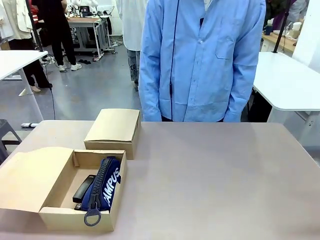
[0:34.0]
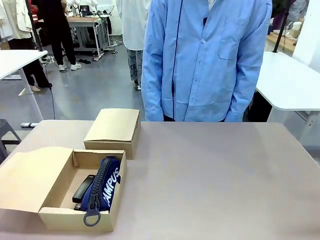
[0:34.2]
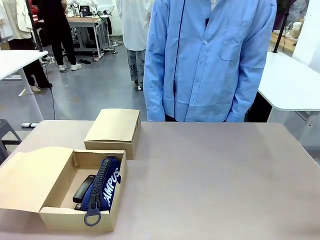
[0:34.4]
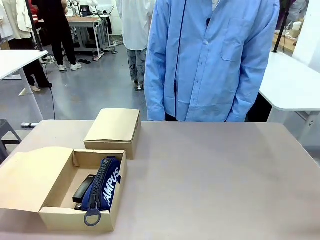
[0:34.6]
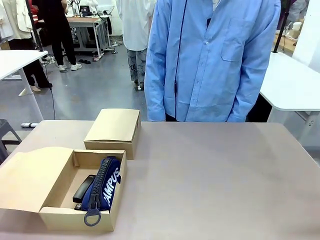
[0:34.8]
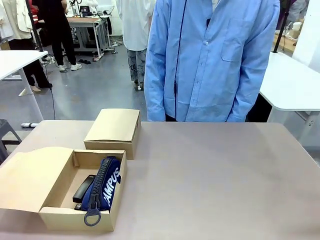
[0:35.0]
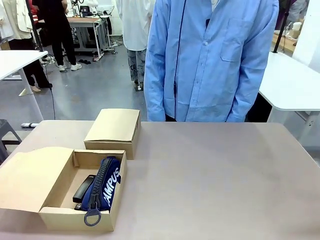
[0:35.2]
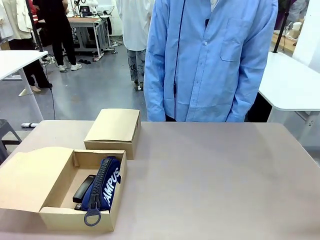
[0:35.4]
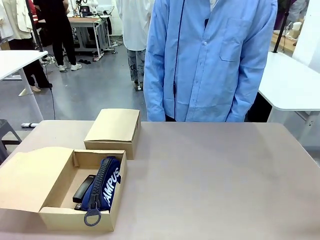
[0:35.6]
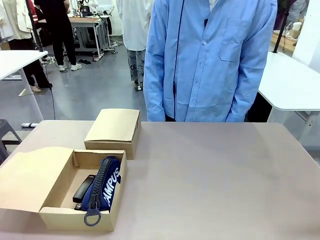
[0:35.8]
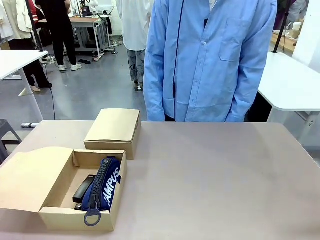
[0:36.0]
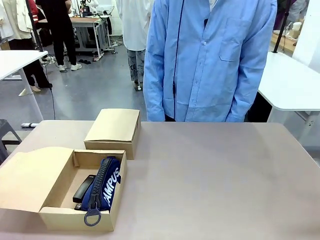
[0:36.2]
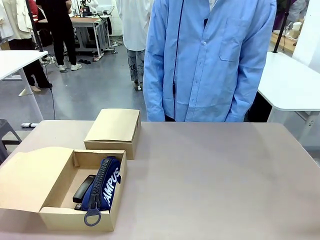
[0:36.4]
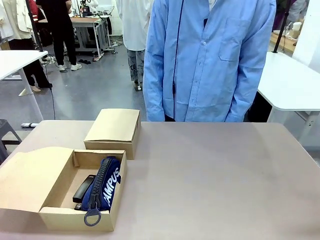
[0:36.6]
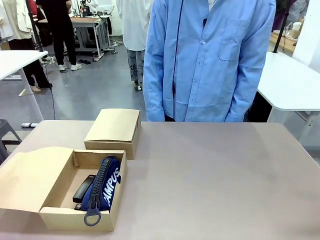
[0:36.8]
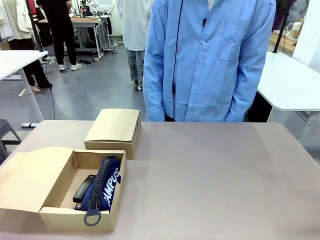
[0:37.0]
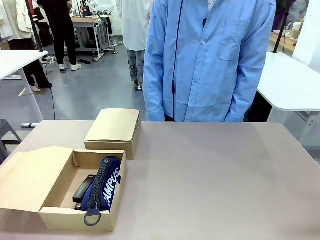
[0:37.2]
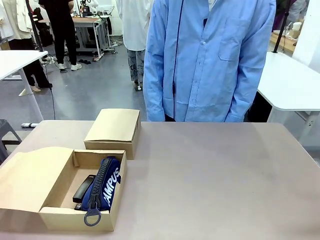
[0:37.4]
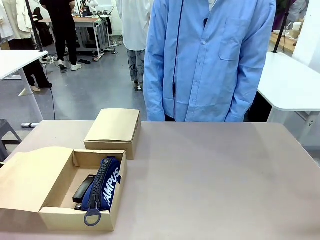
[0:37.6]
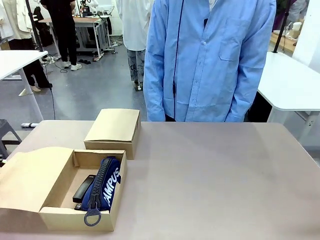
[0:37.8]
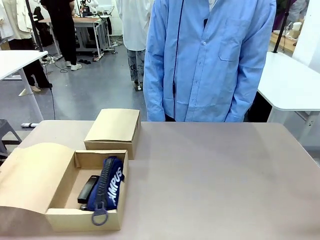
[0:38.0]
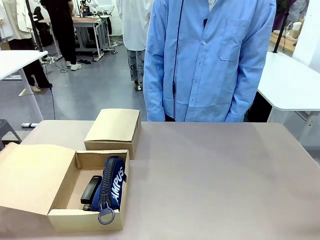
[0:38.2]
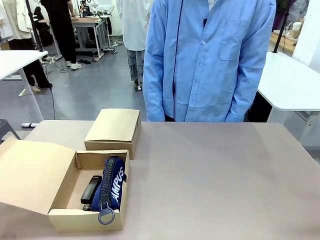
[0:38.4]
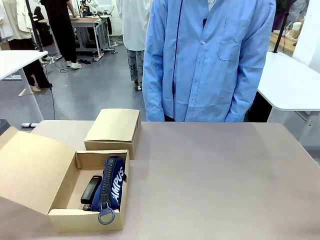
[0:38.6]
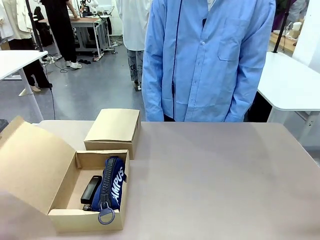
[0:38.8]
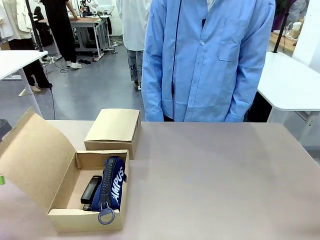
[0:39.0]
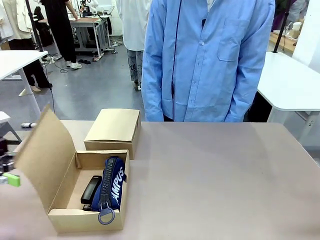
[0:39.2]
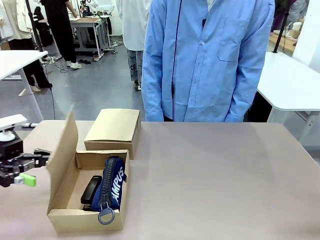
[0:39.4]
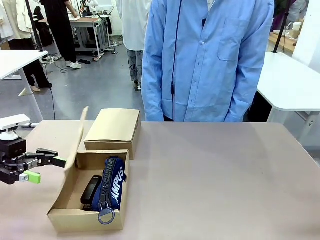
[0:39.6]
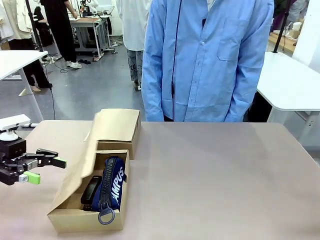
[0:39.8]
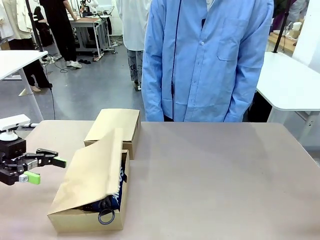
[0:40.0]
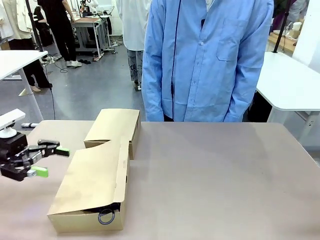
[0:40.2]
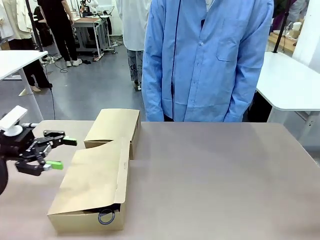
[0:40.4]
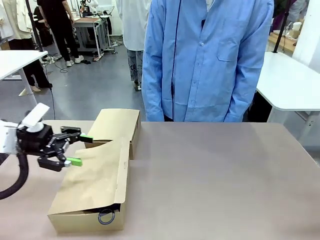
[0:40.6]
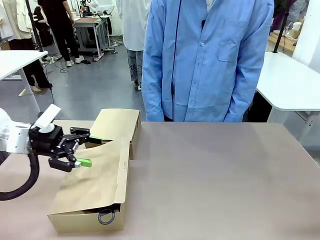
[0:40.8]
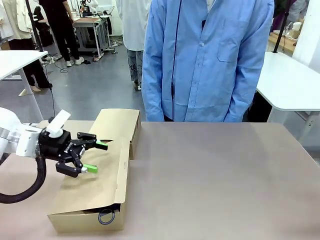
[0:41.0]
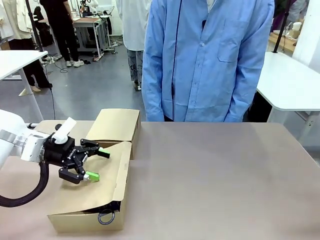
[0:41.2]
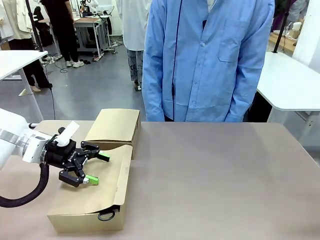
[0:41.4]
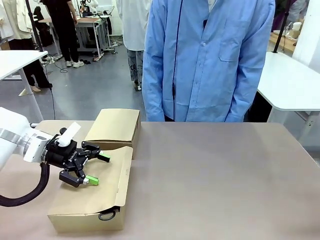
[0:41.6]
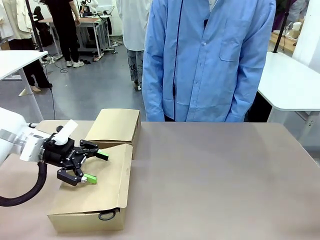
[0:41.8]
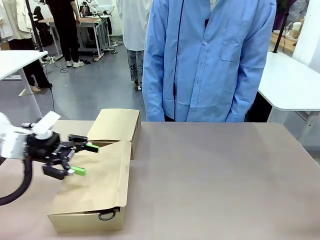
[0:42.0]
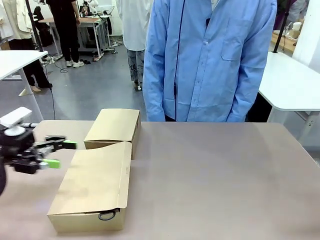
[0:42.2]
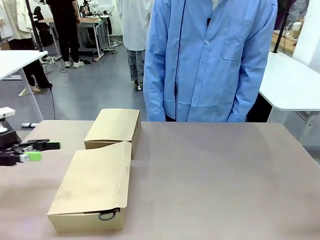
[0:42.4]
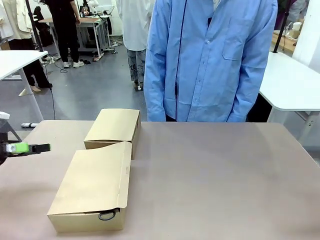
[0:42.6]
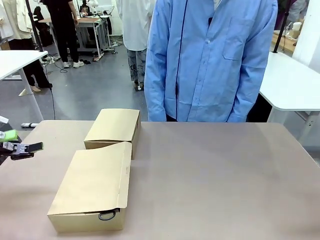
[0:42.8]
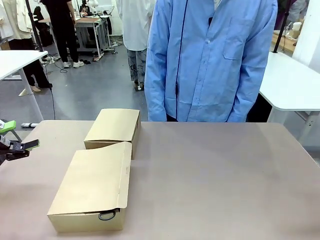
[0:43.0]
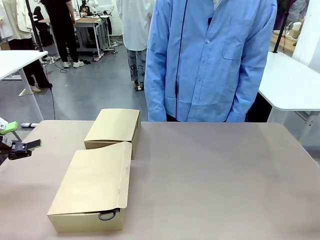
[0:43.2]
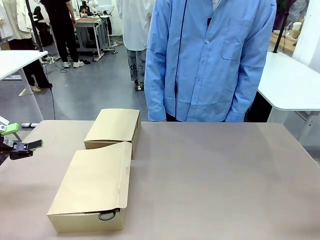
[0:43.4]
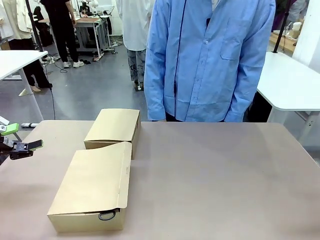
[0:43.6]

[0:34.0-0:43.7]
Task: Place items inside the box.
Robot: Close the lid of the Mailer Box closest to the robot.
Person: Close the lid of the box facing the person.

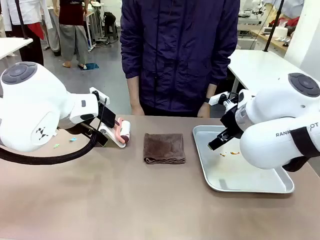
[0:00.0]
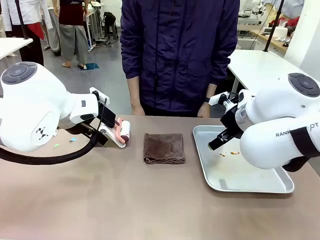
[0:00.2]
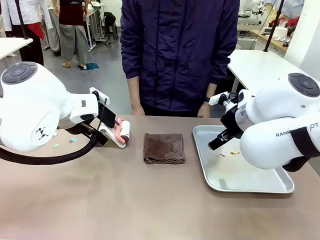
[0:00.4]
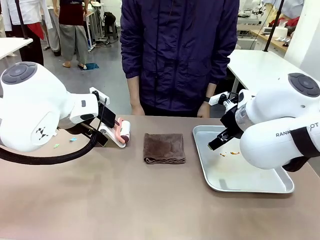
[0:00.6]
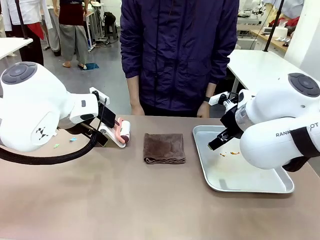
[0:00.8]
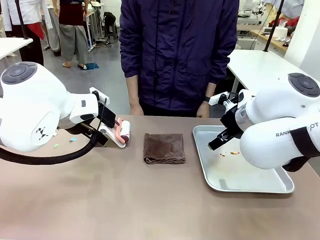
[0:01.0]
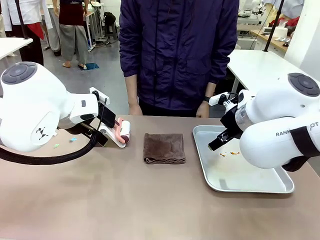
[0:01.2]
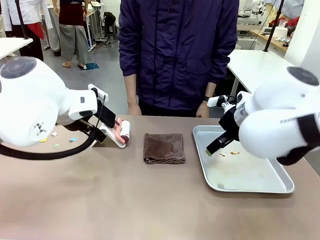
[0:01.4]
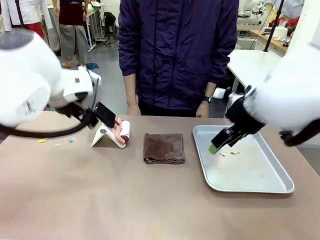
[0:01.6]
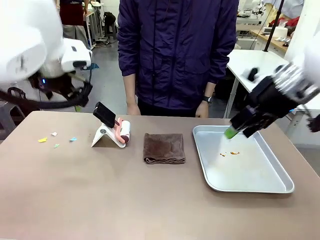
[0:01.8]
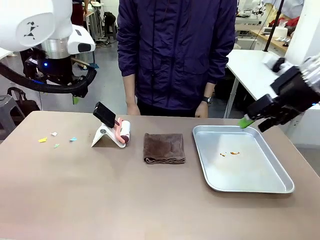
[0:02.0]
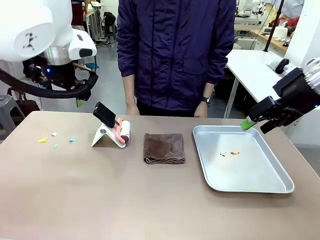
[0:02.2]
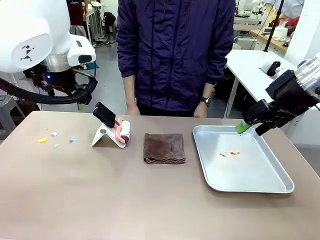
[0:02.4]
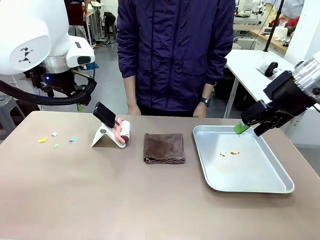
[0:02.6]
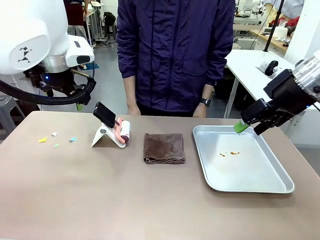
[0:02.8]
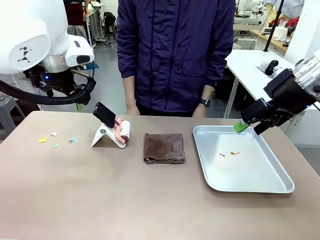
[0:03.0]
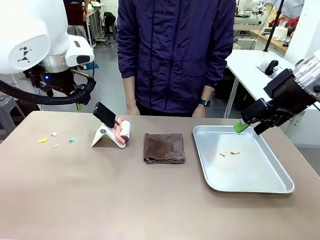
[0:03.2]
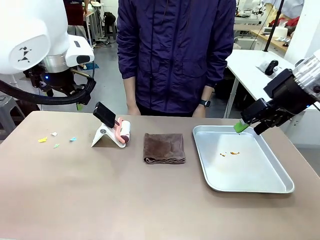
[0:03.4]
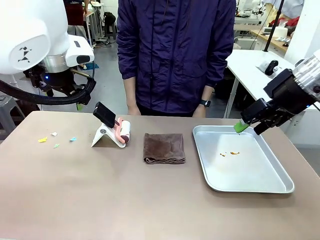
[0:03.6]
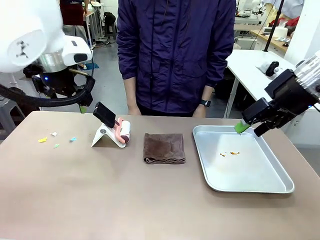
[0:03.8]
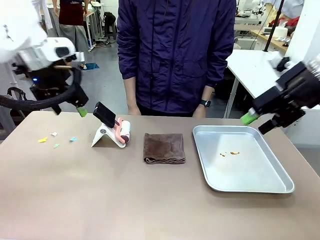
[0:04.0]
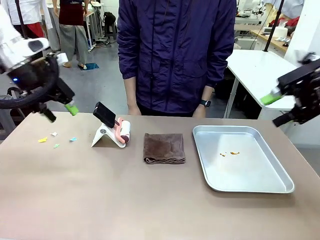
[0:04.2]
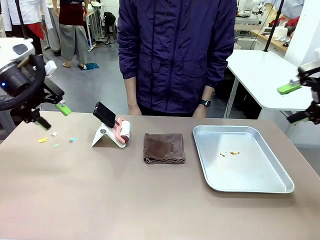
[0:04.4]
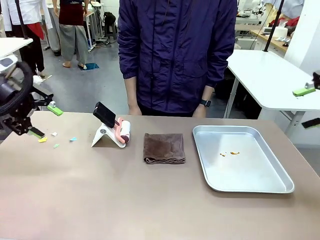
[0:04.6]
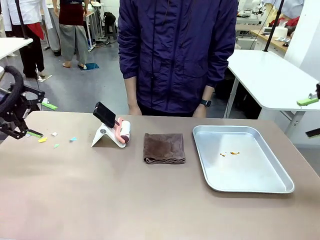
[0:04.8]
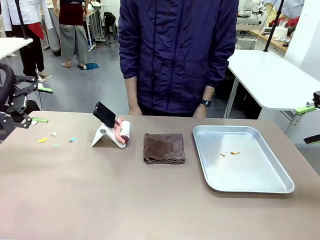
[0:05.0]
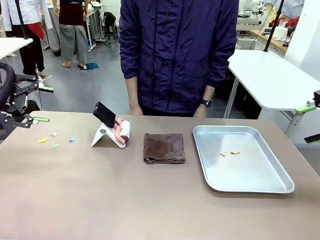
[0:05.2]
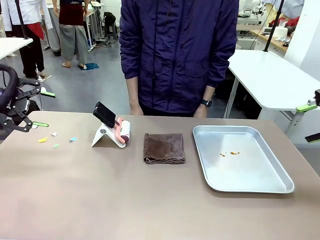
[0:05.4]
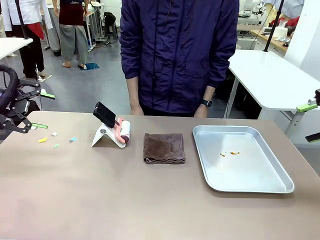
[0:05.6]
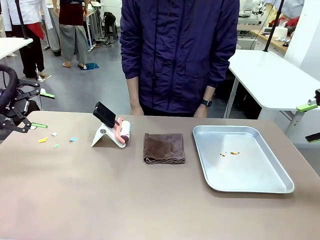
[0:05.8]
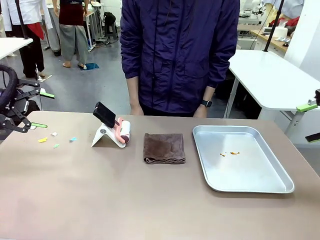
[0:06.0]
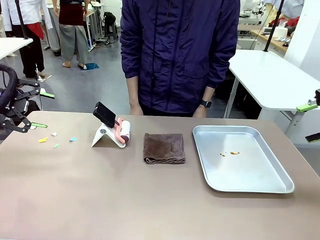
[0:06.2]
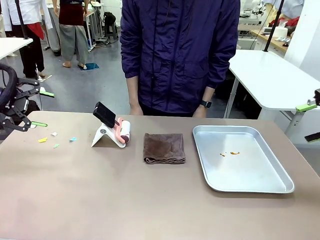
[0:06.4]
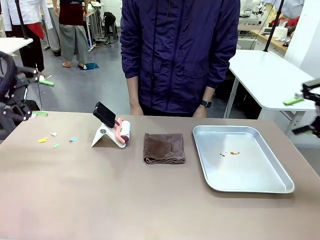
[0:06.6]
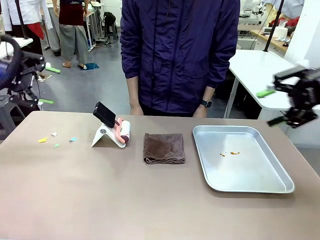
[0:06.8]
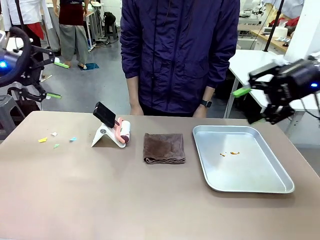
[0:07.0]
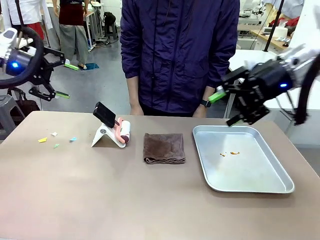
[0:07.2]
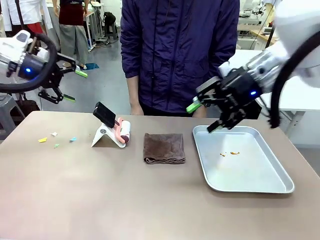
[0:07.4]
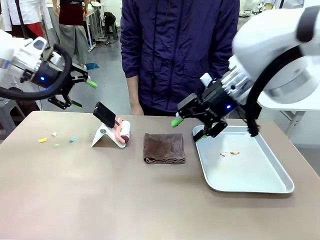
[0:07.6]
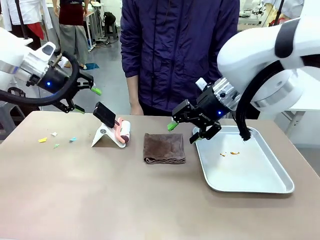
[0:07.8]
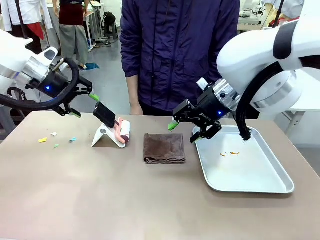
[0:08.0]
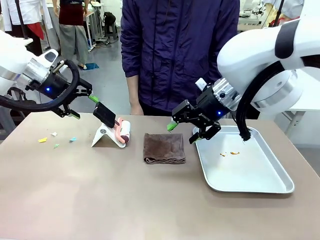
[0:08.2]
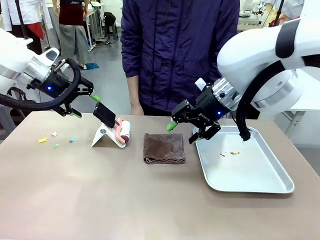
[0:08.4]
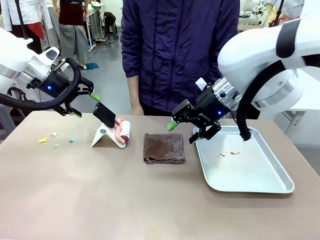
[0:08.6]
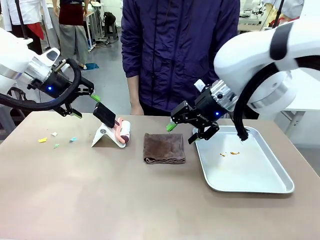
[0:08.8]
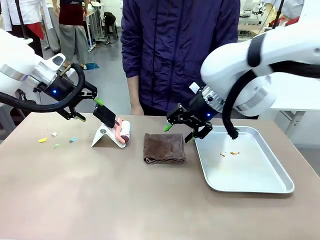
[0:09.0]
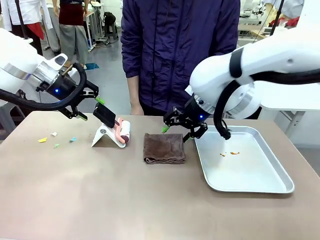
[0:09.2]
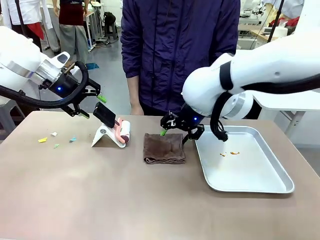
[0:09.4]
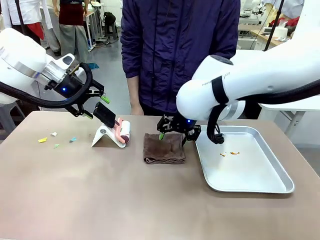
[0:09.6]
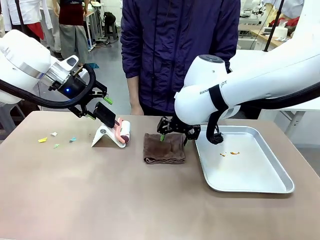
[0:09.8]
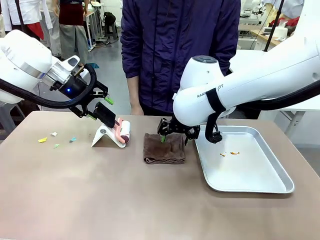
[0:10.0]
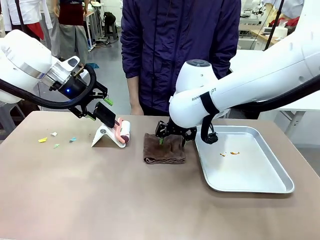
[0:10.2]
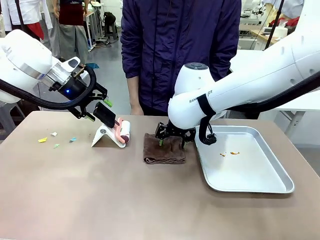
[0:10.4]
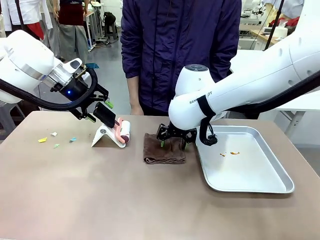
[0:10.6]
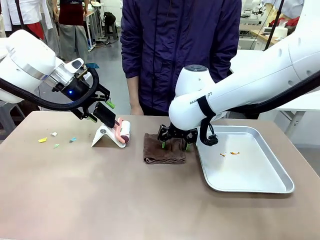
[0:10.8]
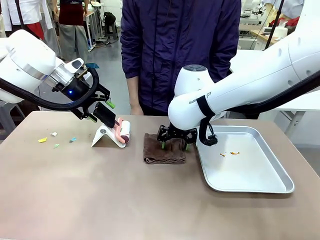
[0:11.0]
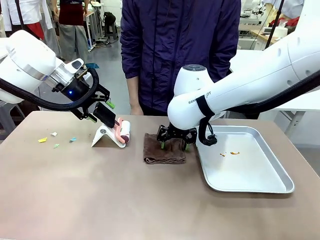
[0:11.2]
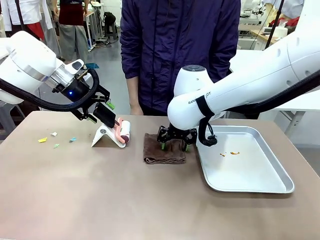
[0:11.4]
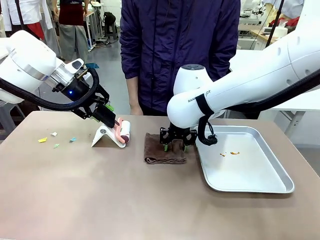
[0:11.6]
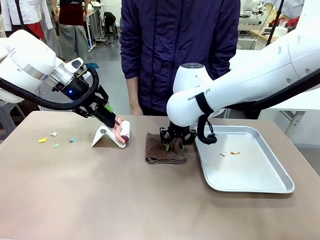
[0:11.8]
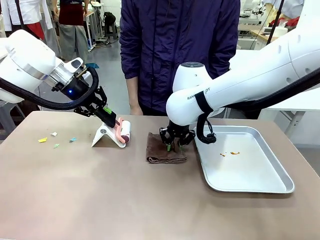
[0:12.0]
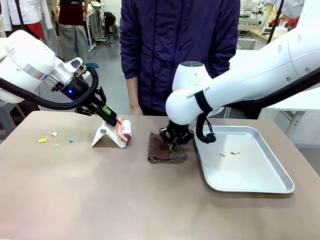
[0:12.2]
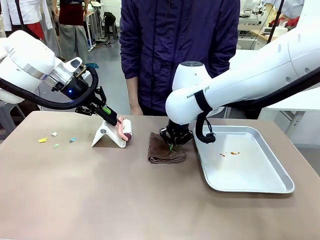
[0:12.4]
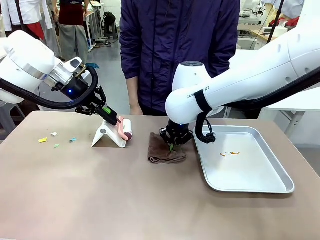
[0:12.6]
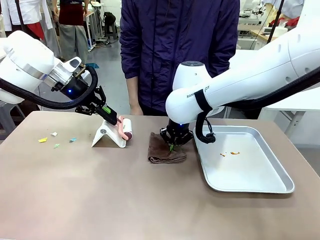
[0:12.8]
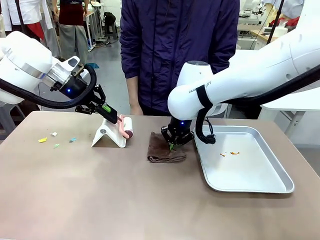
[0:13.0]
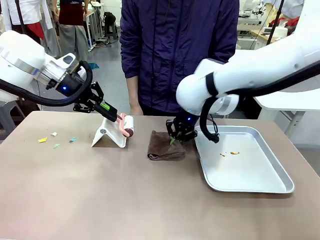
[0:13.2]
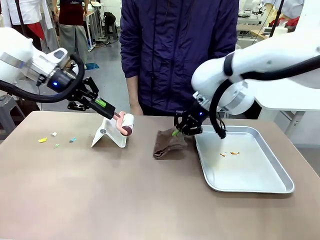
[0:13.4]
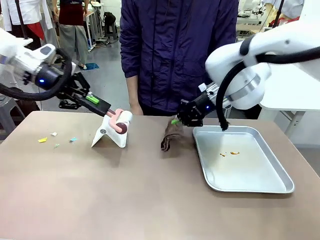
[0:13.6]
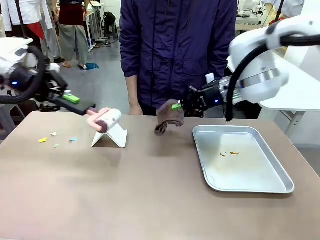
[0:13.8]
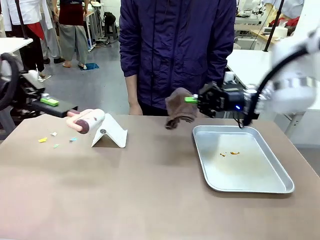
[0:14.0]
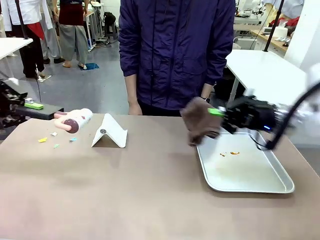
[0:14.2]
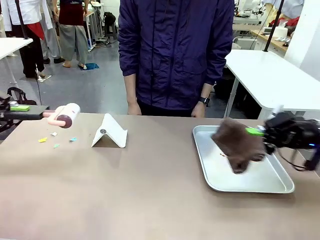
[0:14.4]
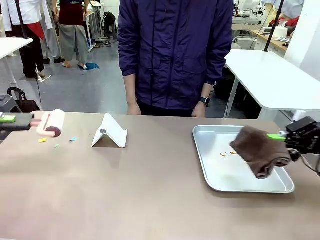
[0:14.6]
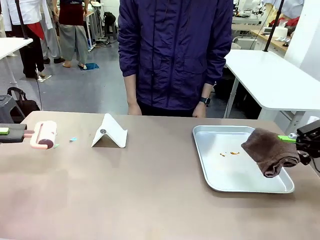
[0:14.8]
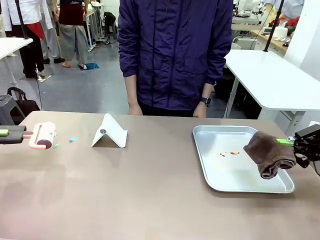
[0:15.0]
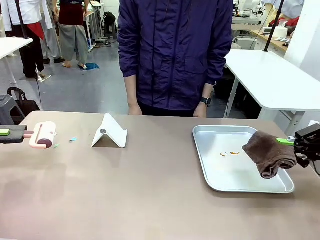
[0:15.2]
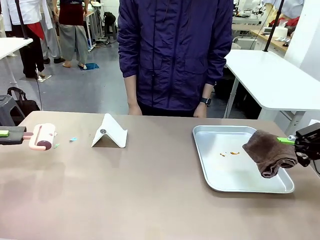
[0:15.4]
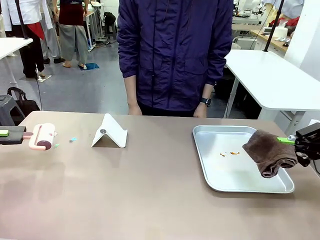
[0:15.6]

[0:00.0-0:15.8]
Task: Clean the surface of the table.
Robot: Hold the Lint Roller with your left hand and the towel with your right hand.
